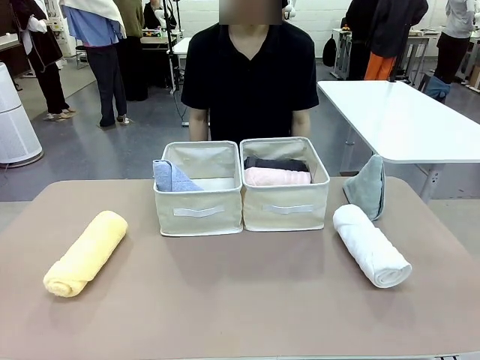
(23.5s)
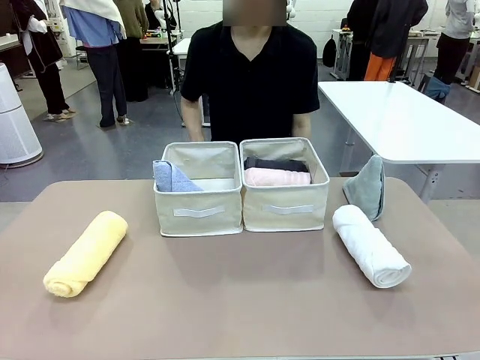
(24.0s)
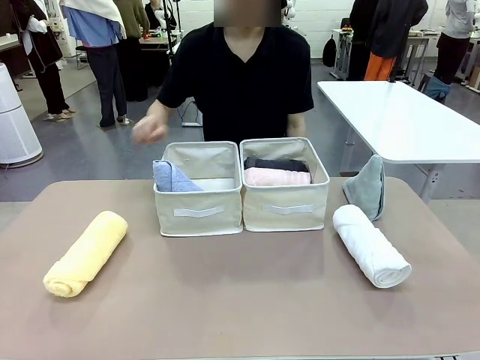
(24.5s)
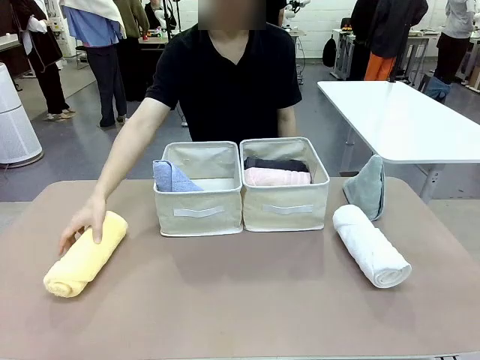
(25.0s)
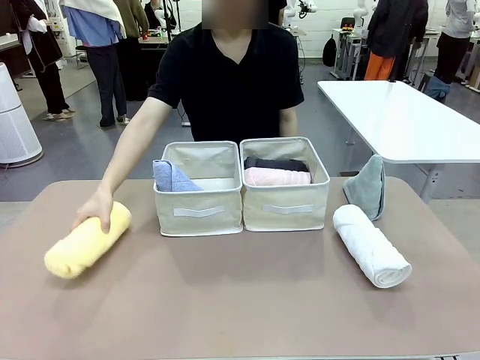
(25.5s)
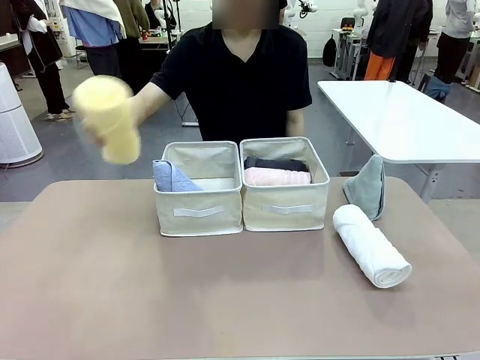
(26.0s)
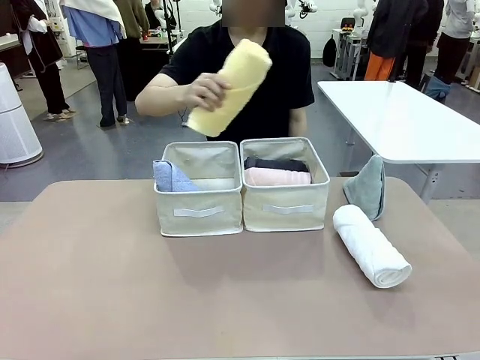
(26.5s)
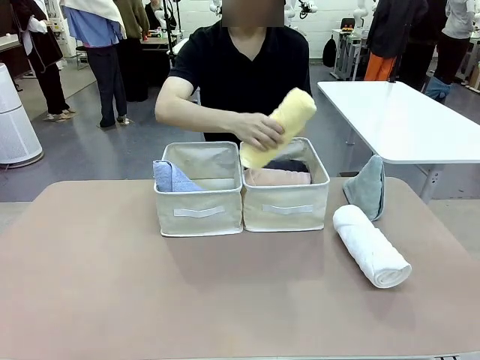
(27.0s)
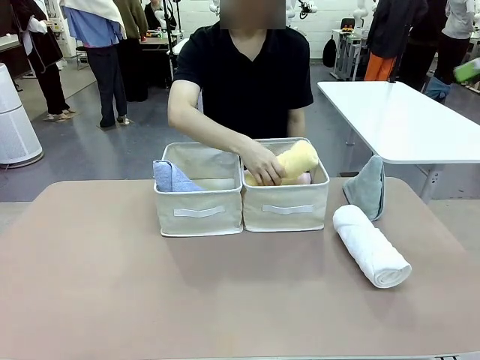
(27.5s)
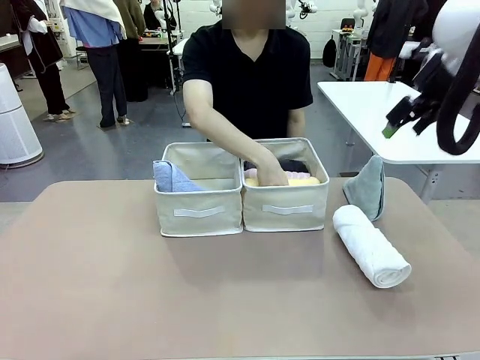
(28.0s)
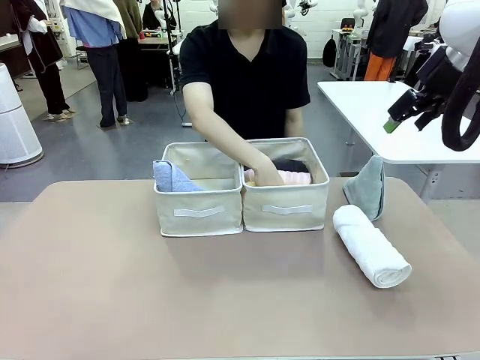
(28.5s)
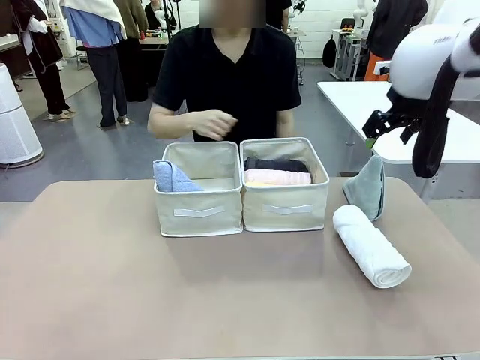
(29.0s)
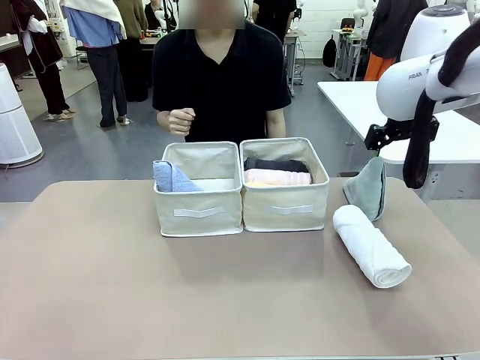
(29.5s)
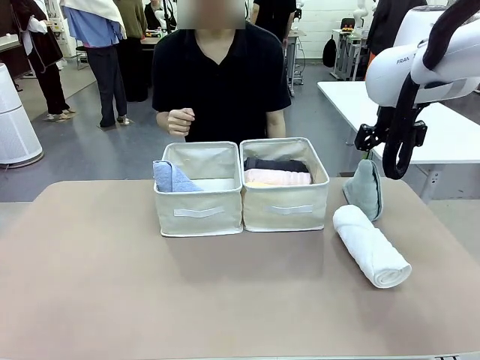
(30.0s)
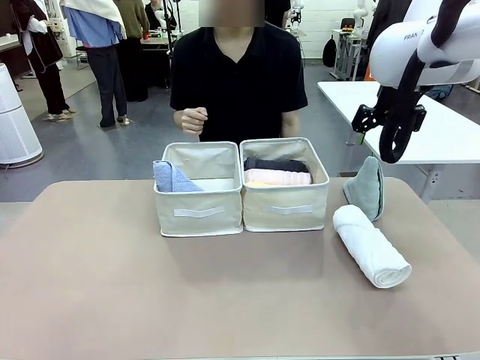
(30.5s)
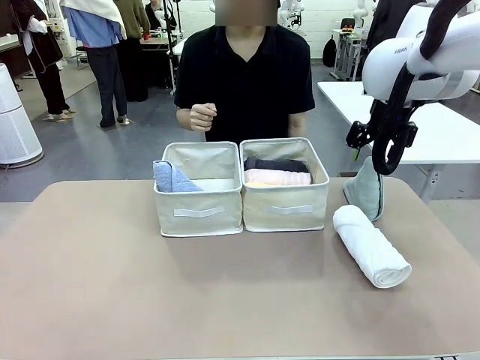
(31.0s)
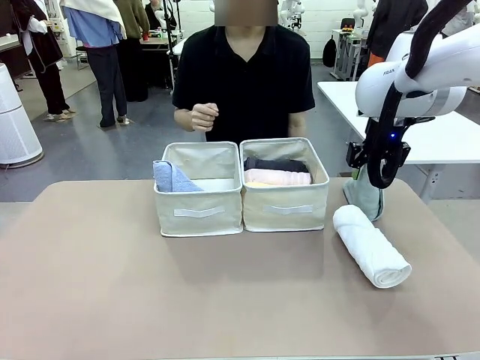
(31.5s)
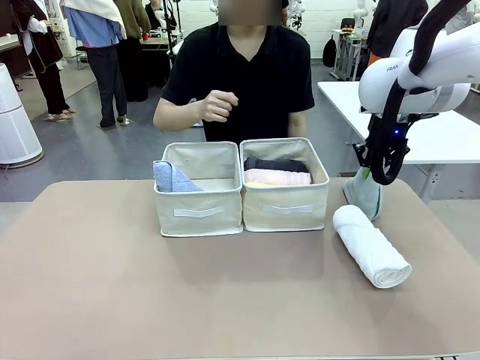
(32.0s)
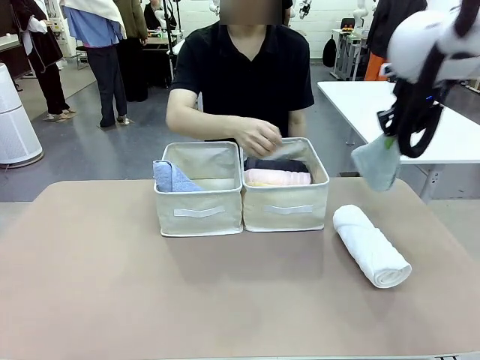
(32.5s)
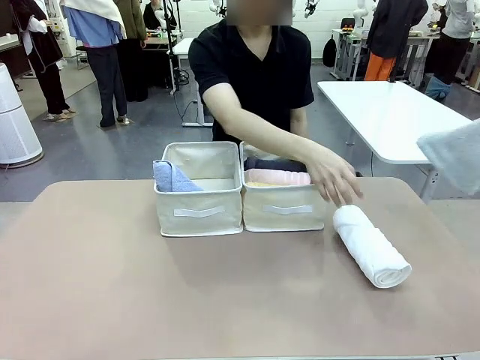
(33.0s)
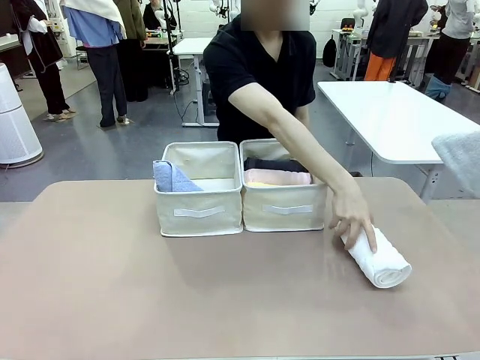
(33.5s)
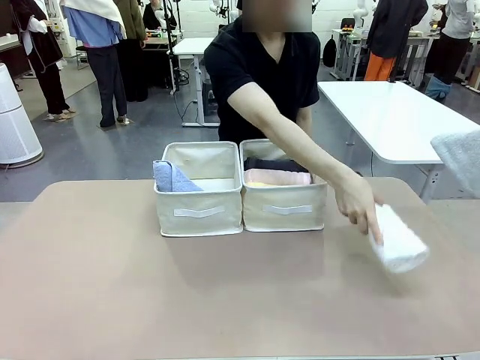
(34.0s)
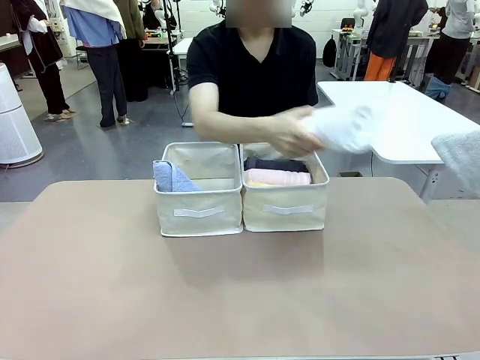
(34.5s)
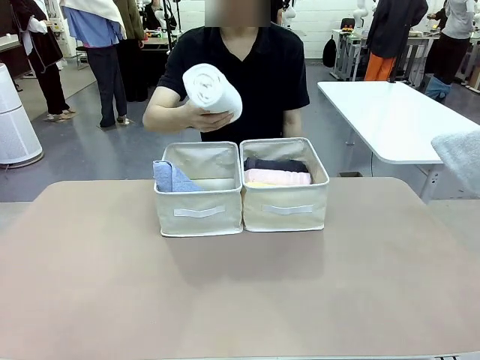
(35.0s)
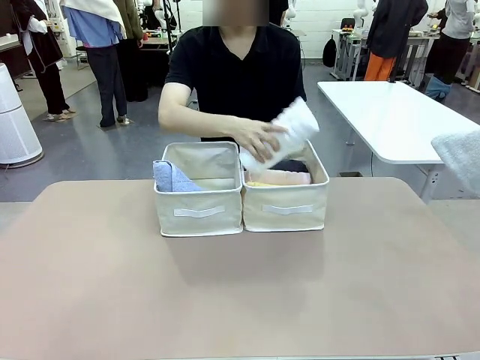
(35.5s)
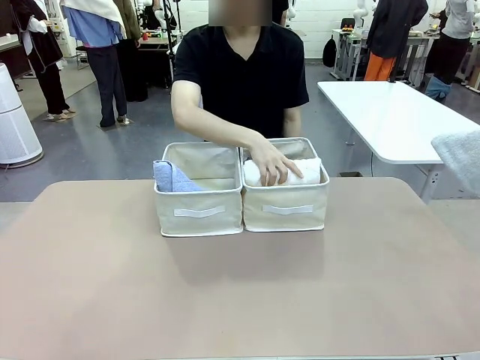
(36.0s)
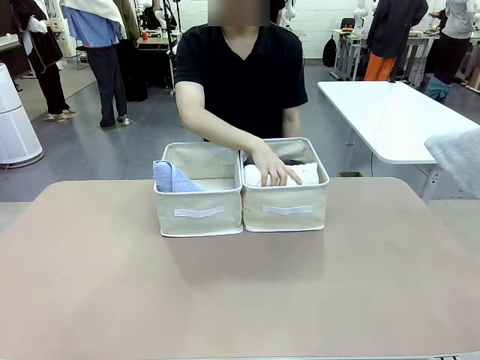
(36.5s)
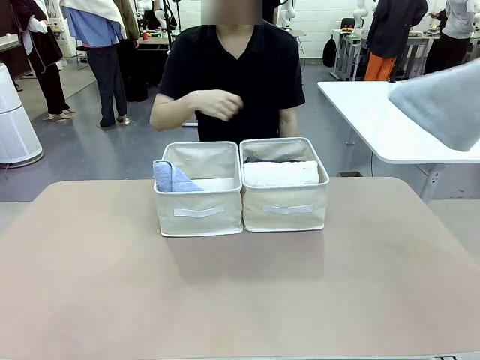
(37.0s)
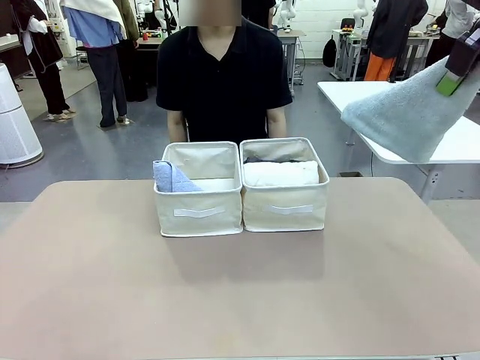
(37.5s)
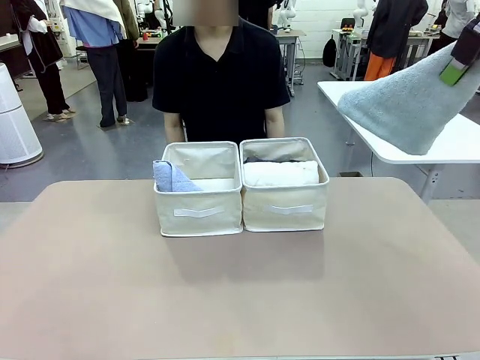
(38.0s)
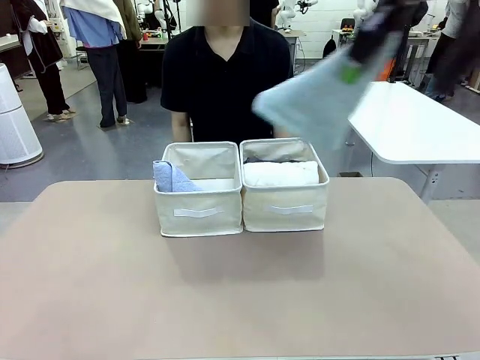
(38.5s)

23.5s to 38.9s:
Task: Sort the towels based on their folding style.
Robot: Pick up another triangle-folded towel from the table and place it in the left Fabric basket.

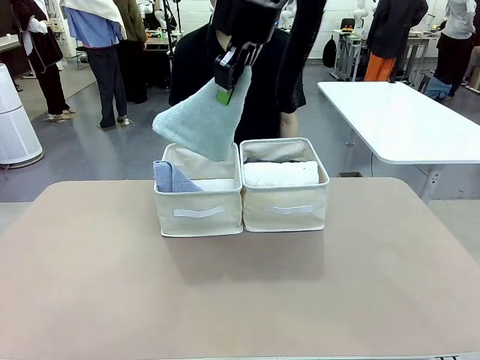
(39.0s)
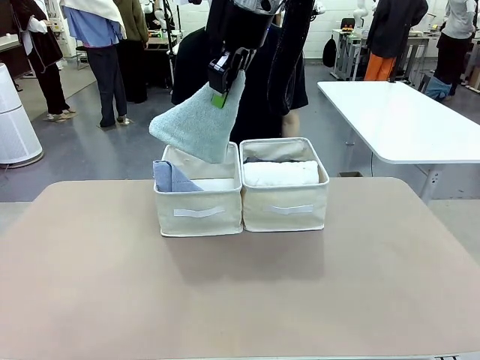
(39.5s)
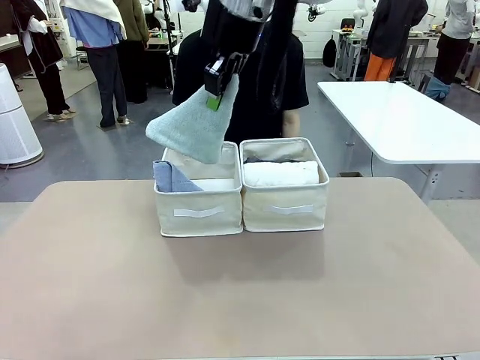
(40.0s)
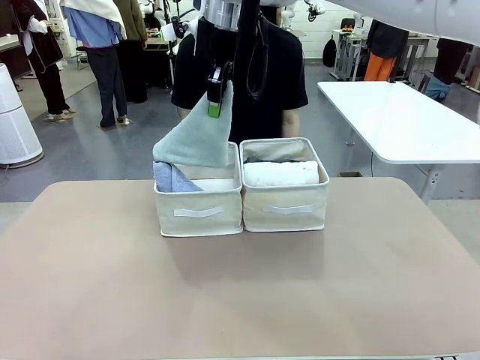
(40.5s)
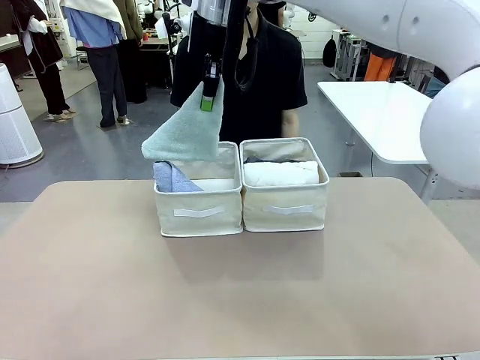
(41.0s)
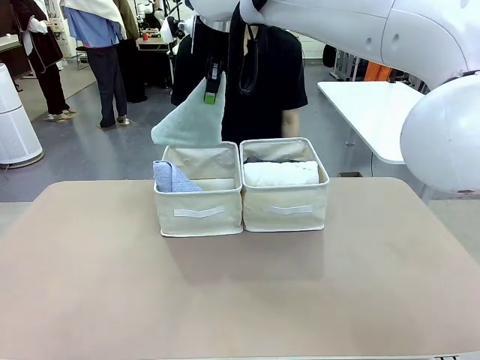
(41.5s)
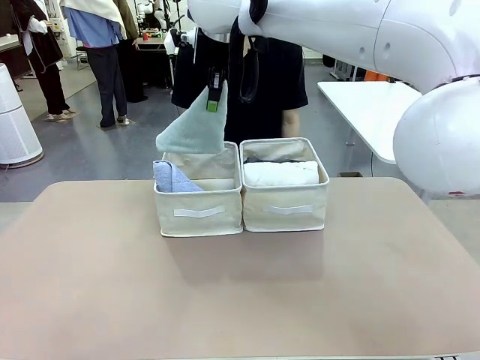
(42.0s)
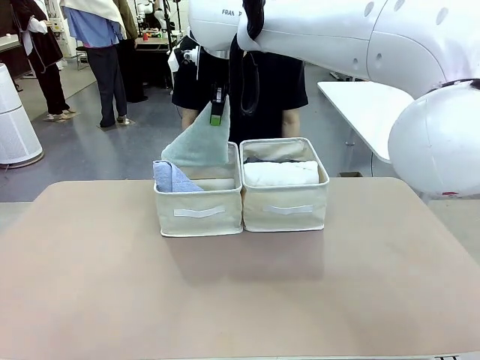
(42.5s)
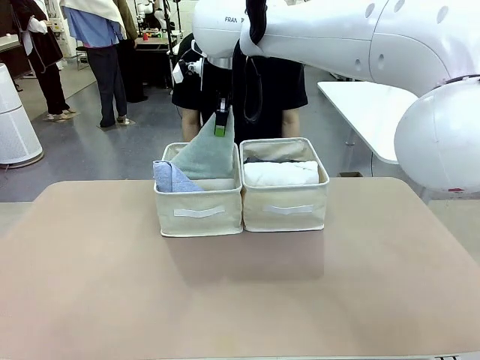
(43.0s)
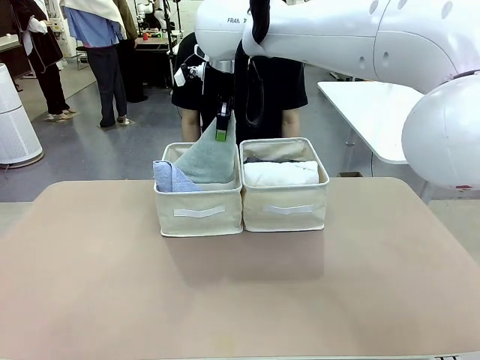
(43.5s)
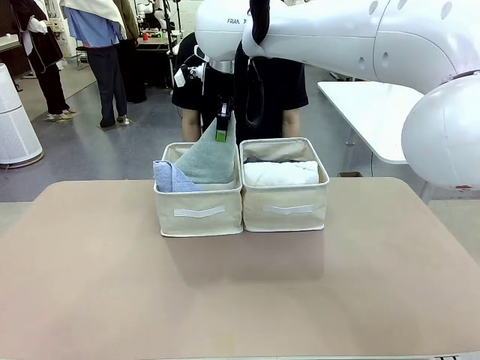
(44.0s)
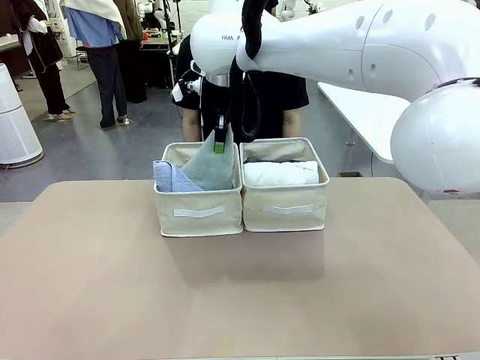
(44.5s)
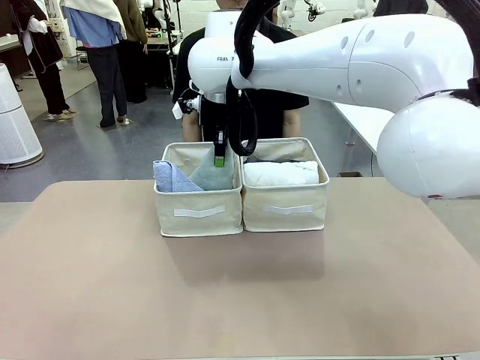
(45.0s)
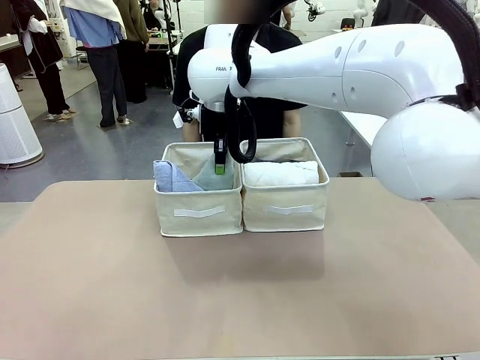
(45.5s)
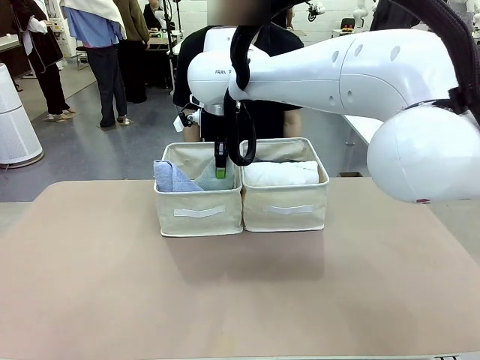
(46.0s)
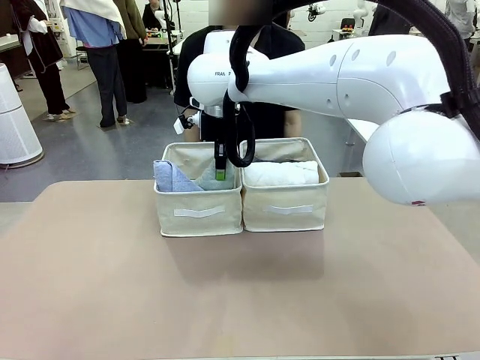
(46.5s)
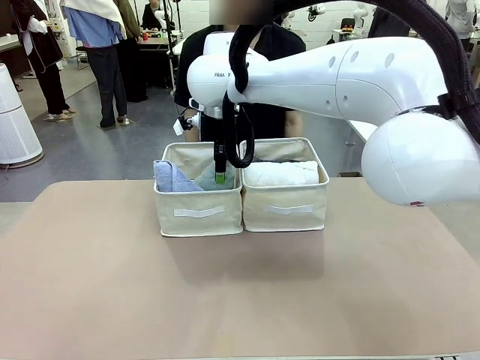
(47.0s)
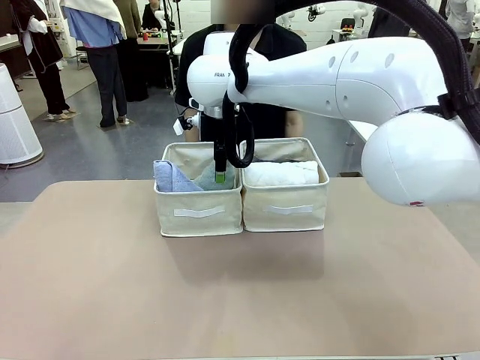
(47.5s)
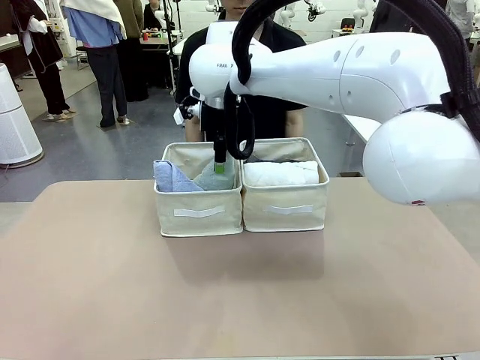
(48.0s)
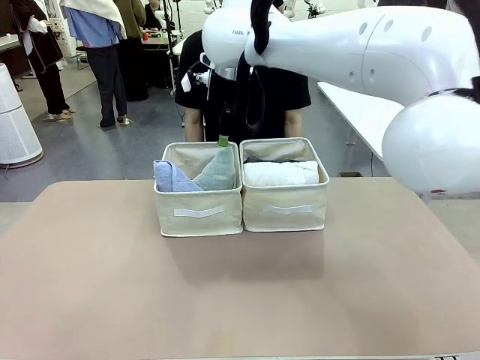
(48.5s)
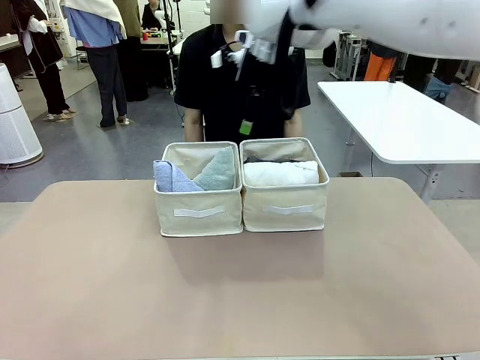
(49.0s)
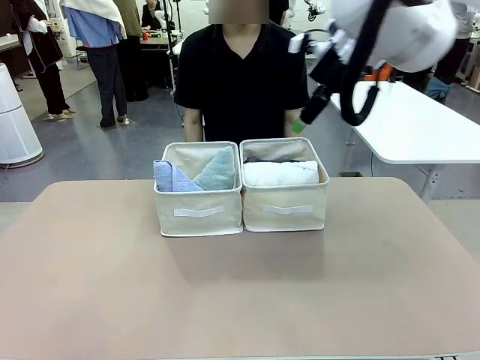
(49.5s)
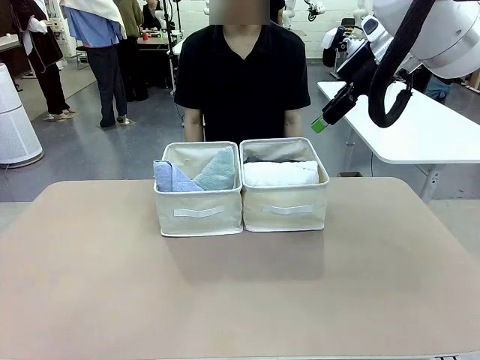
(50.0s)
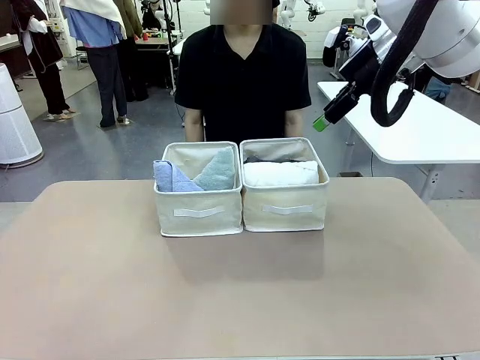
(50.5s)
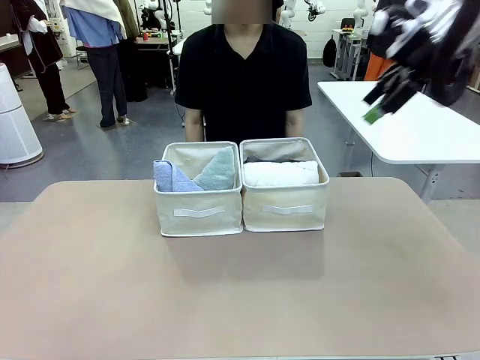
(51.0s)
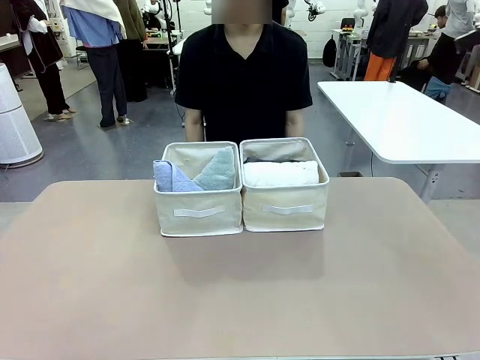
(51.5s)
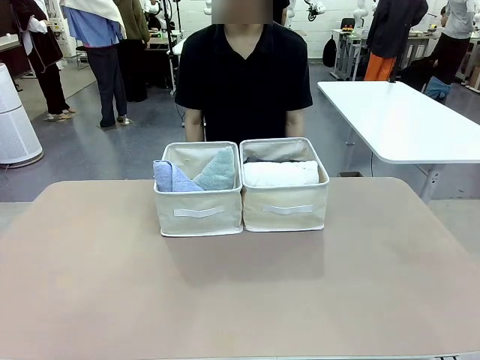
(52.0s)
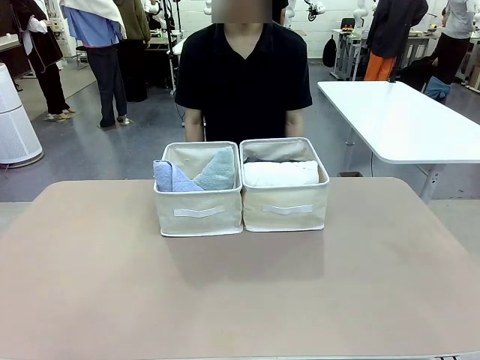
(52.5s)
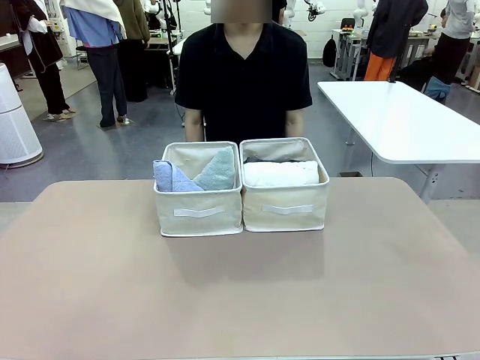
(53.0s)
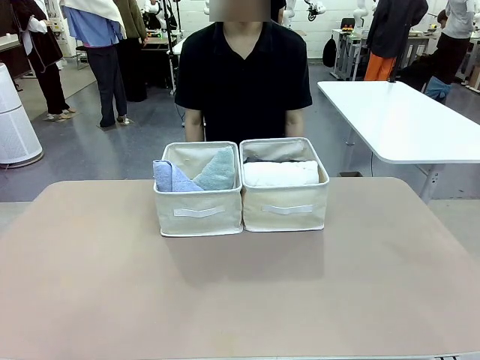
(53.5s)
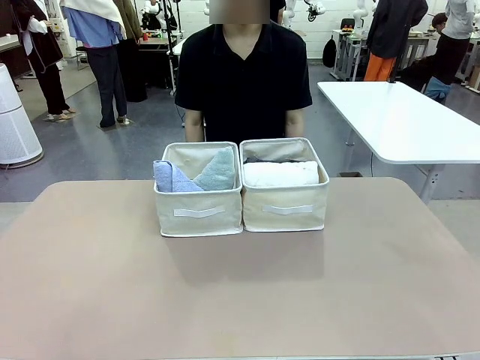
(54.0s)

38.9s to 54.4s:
Robot: Pick up another triangle-folded towel from the table and place it in the left Fabric basket.
